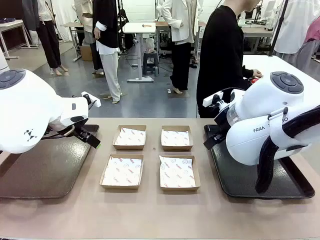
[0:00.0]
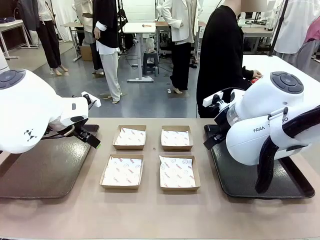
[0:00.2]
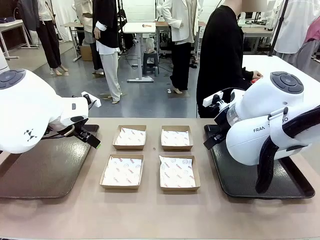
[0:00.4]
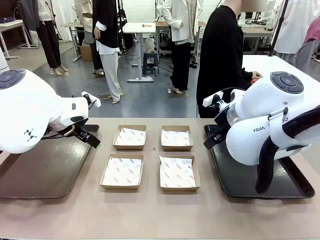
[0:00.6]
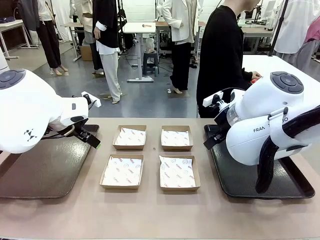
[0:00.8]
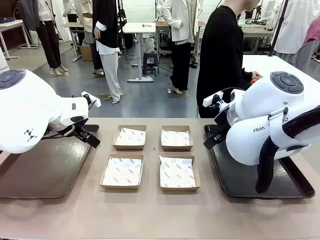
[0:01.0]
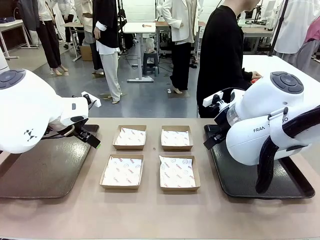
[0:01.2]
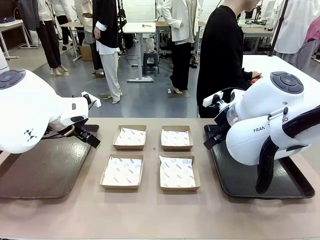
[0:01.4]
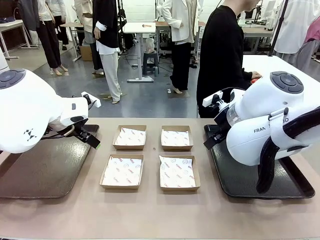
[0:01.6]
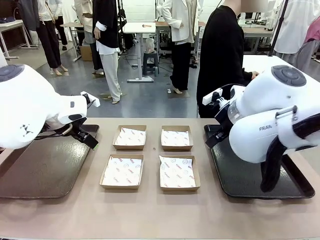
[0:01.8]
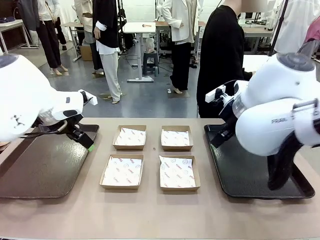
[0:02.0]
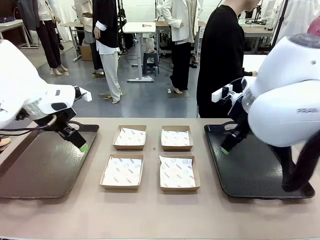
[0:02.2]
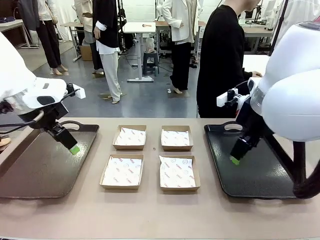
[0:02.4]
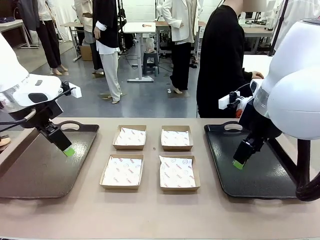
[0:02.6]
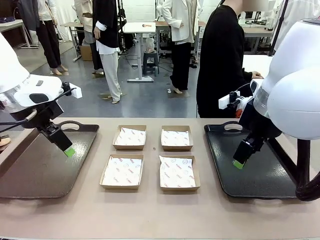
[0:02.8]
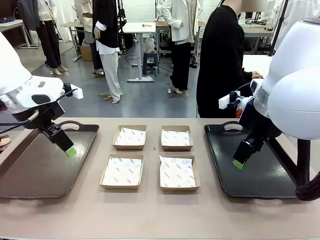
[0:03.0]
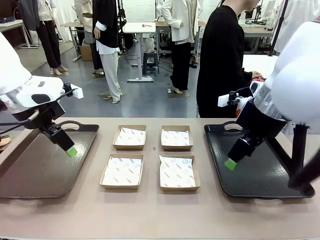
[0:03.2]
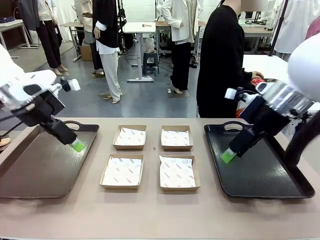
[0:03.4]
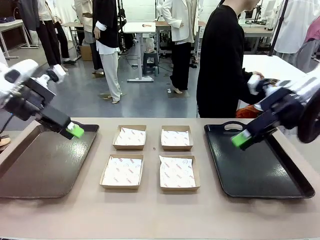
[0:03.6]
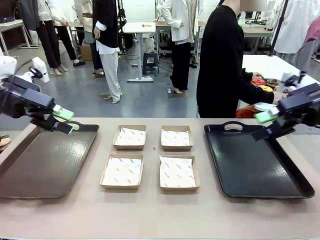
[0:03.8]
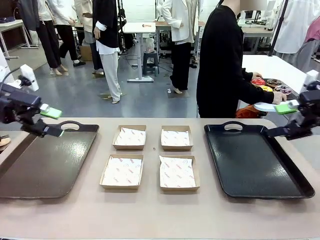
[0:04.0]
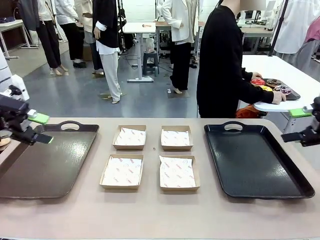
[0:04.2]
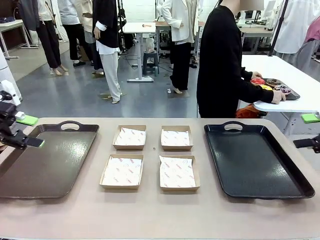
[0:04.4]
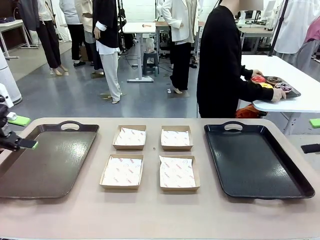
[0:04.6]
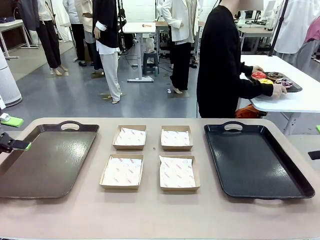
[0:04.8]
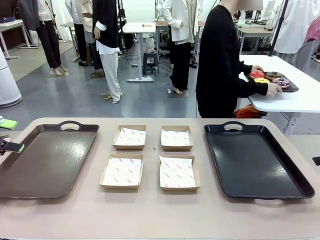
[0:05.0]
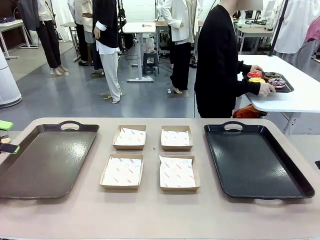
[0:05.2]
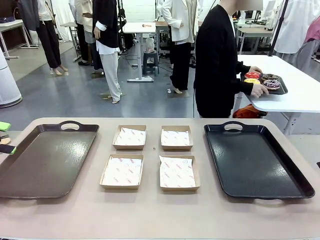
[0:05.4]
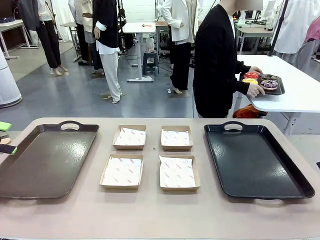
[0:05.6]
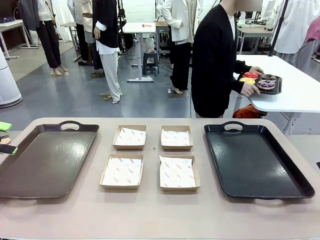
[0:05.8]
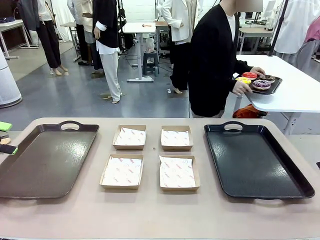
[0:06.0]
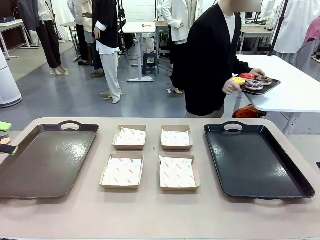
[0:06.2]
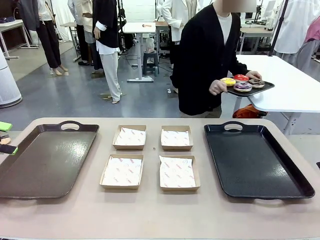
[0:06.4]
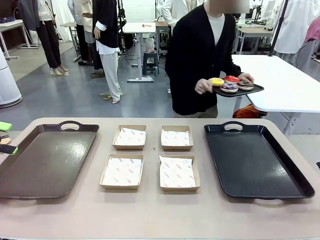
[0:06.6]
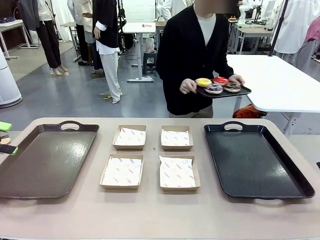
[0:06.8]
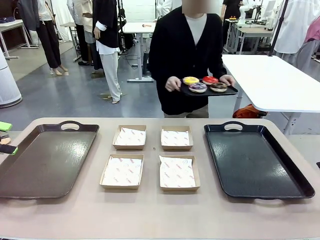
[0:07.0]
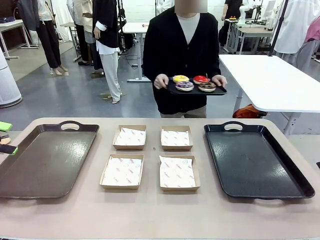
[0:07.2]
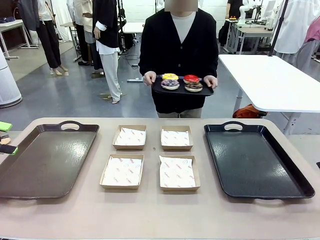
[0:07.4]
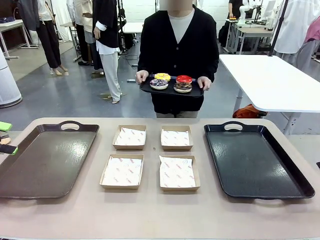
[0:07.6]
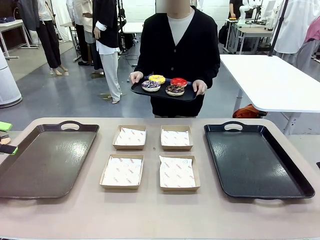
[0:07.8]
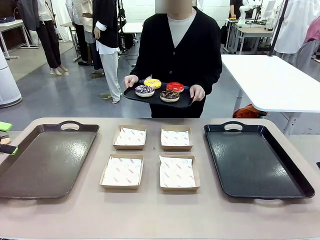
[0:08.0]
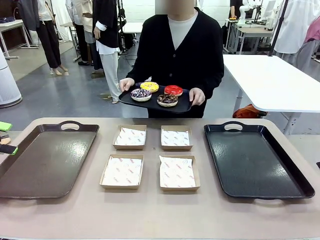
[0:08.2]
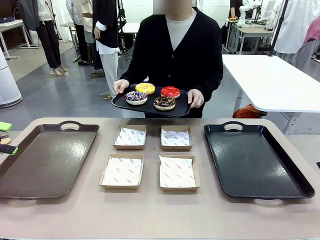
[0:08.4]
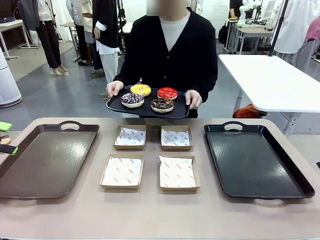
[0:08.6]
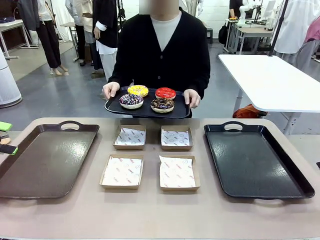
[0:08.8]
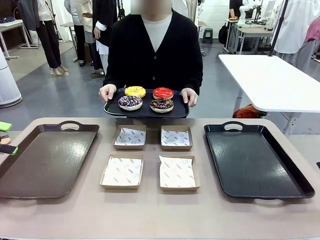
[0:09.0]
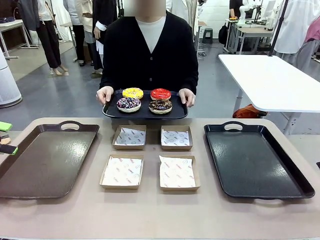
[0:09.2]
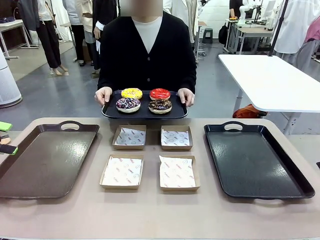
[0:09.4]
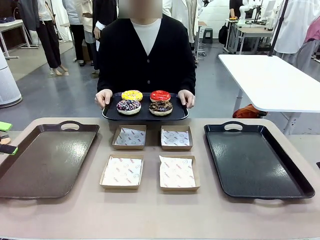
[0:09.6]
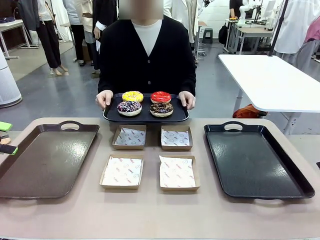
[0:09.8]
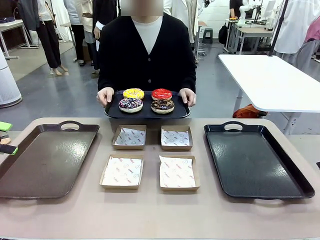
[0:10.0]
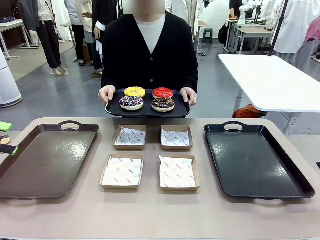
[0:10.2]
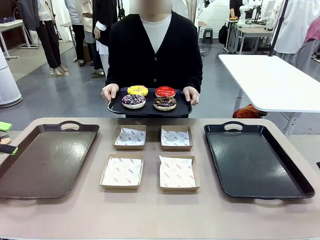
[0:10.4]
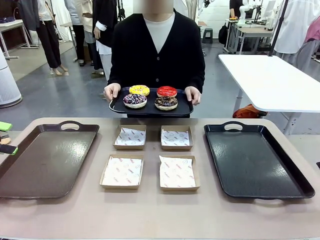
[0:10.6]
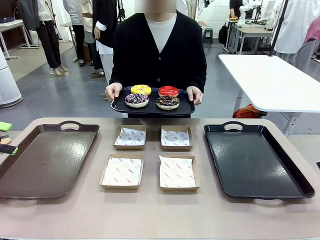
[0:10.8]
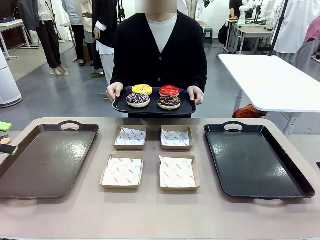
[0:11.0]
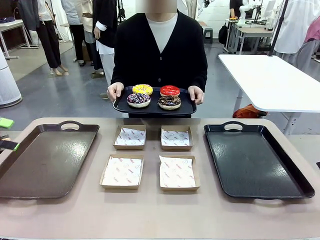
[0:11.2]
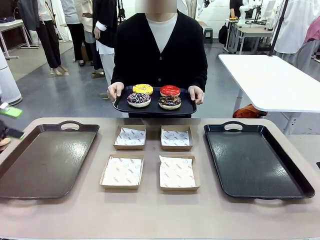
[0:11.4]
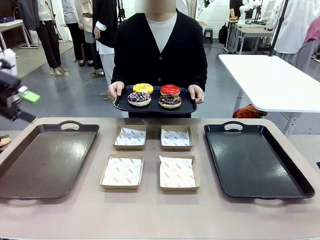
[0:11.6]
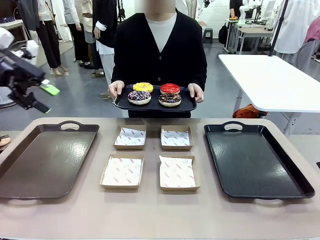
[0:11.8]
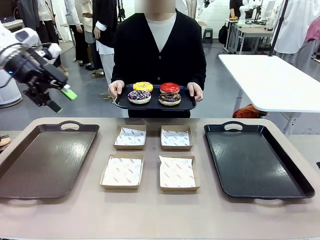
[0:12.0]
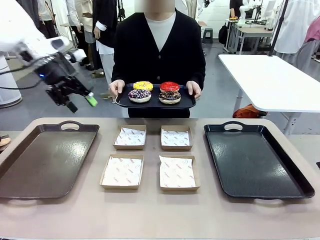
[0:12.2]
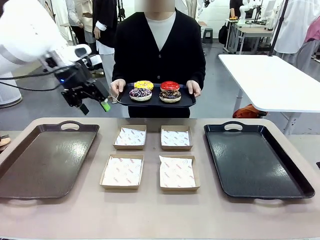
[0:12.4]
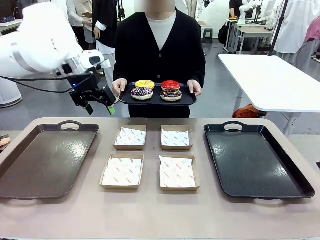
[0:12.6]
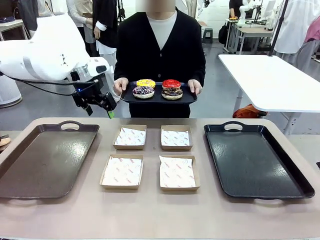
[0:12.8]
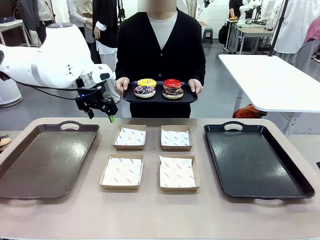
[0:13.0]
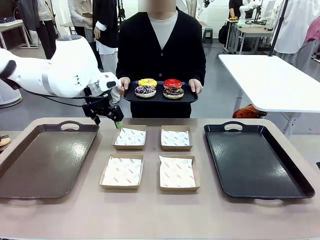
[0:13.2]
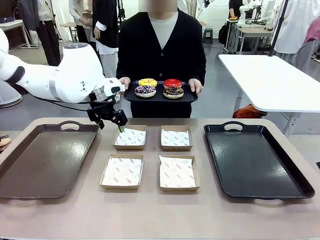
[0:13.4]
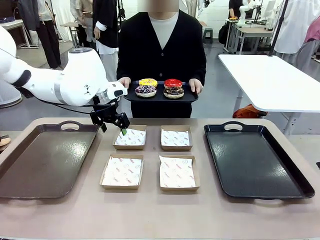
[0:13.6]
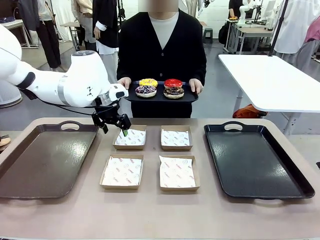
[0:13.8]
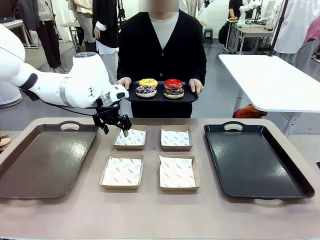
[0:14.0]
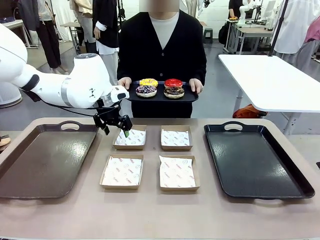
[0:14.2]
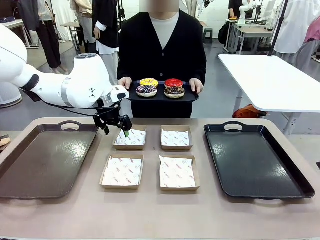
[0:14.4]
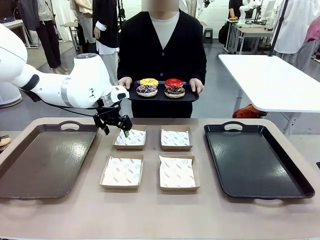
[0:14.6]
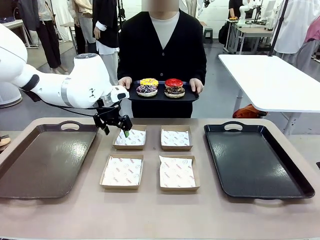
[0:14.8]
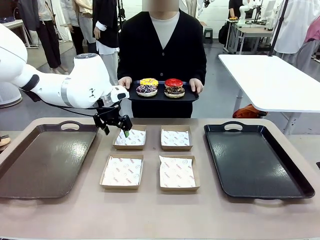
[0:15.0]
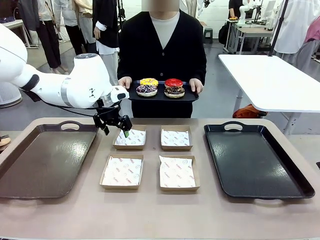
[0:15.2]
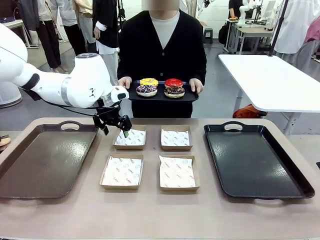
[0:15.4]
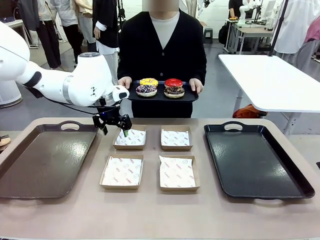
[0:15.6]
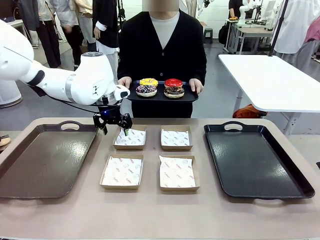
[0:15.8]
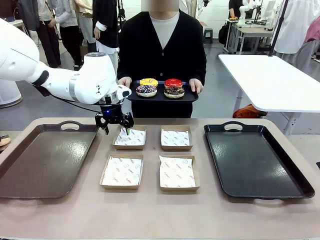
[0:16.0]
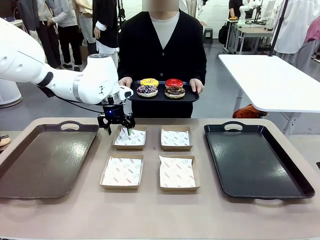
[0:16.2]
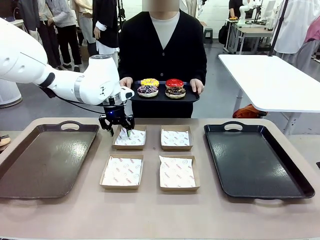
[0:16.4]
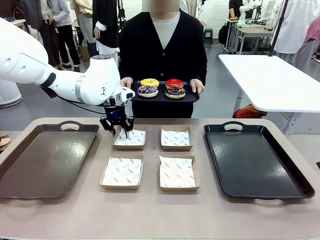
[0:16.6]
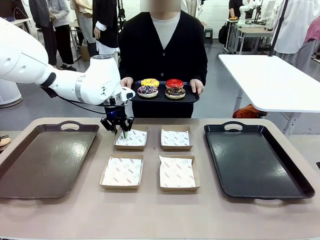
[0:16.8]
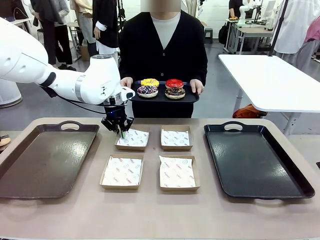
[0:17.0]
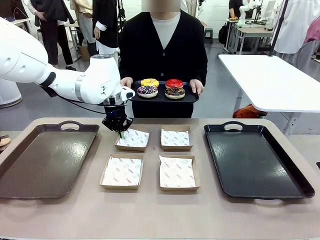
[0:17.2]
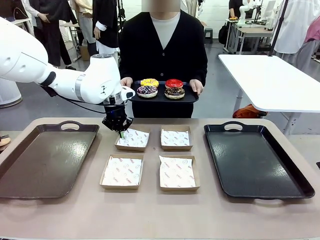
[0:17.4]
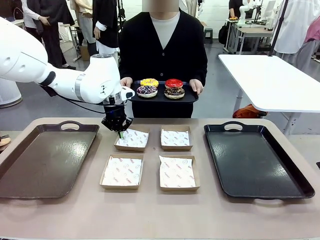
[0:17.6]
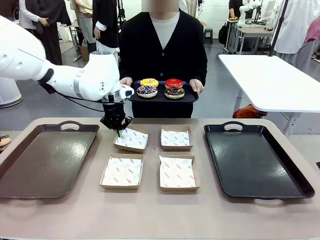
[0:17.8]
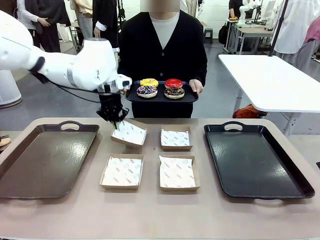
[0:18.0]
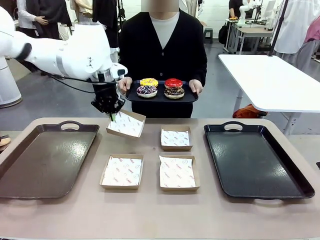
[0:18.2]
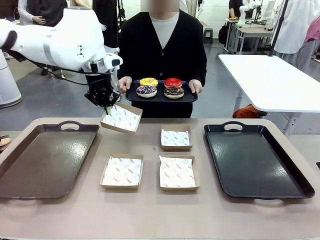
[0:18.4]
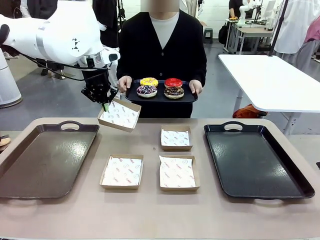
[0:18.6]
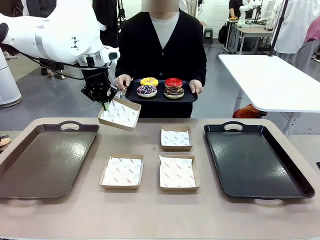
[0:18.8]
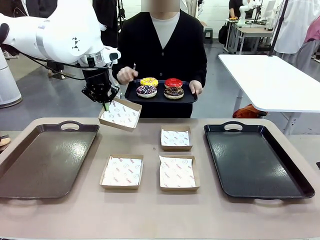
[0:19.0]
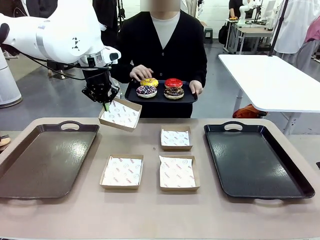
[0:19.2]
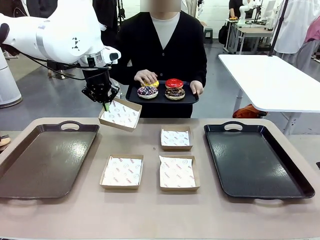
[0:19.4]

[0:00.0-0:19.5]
Task: Individually package the donuts and arrange them on the tray.
Robot: Pick up one Paper togo box.
Person: Stand in front of the robot table holding the tray containing the donuts.
